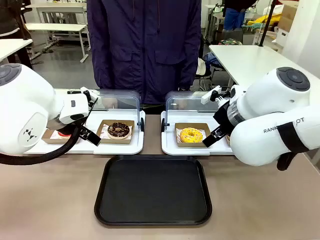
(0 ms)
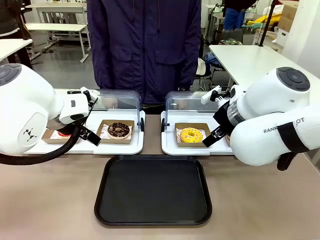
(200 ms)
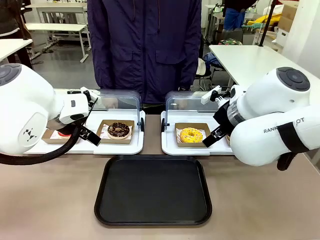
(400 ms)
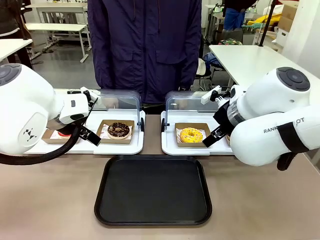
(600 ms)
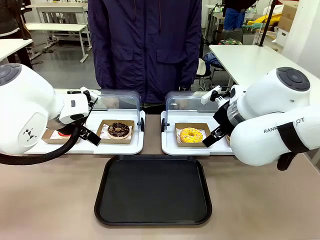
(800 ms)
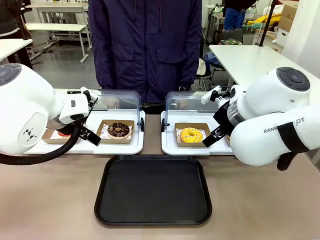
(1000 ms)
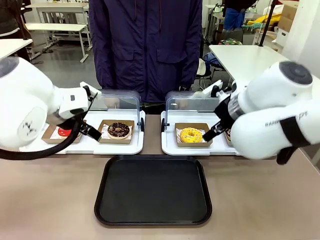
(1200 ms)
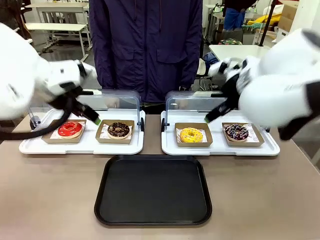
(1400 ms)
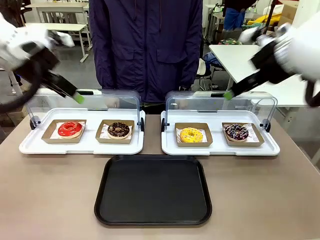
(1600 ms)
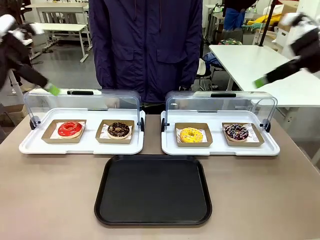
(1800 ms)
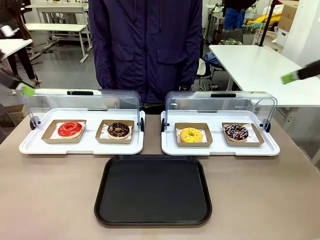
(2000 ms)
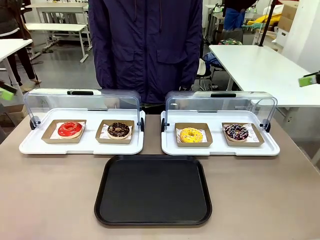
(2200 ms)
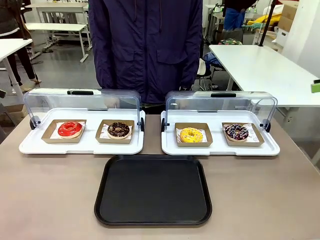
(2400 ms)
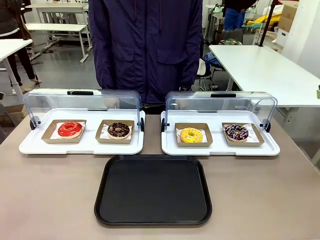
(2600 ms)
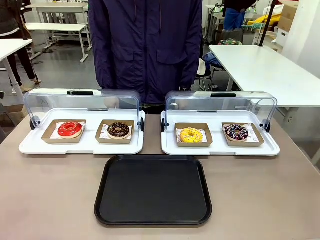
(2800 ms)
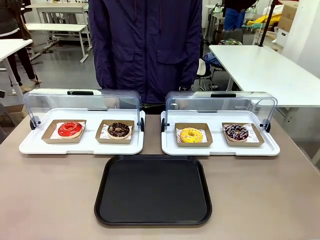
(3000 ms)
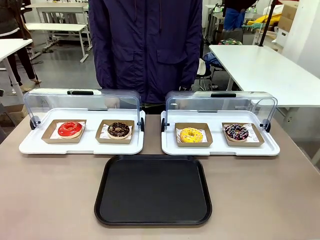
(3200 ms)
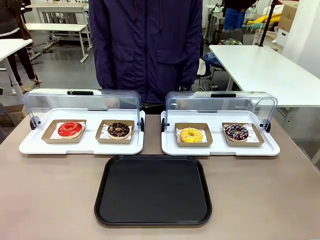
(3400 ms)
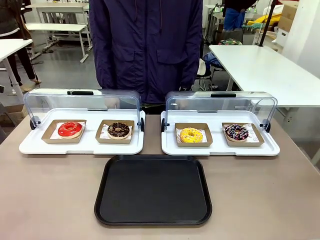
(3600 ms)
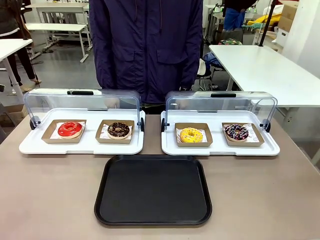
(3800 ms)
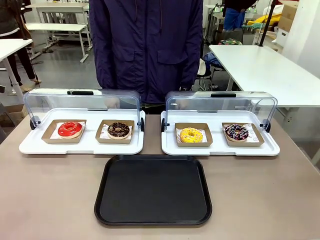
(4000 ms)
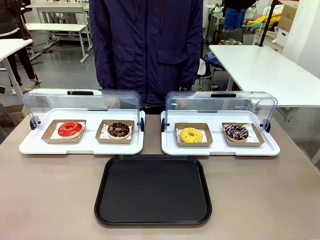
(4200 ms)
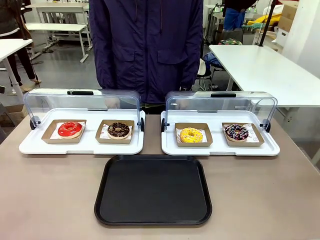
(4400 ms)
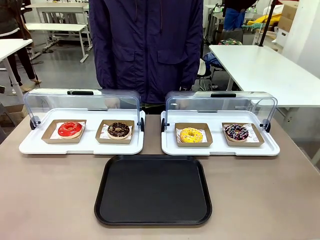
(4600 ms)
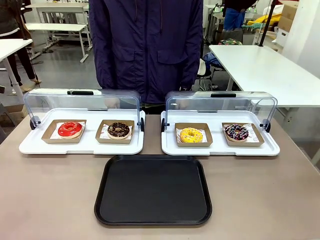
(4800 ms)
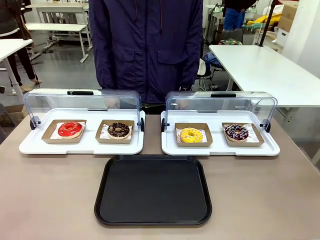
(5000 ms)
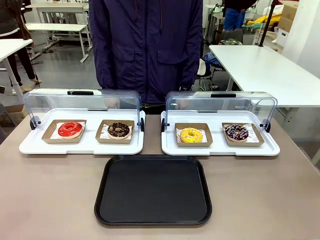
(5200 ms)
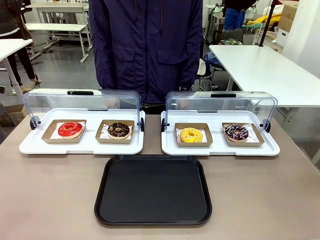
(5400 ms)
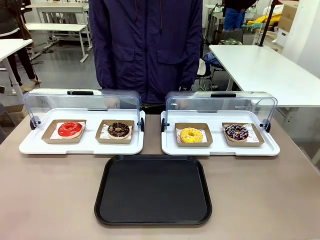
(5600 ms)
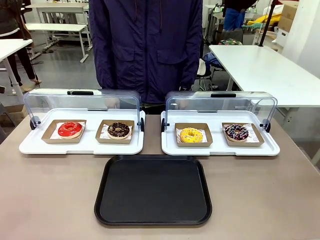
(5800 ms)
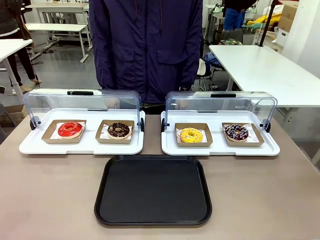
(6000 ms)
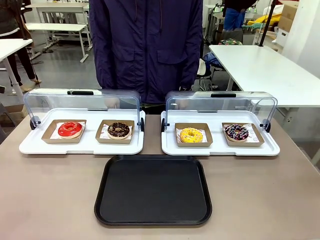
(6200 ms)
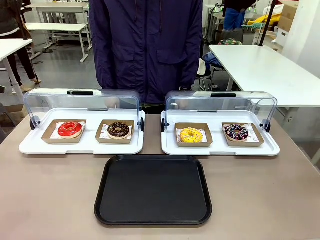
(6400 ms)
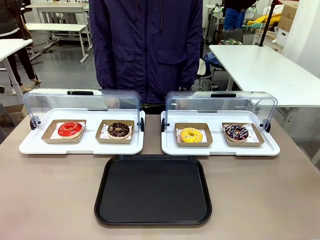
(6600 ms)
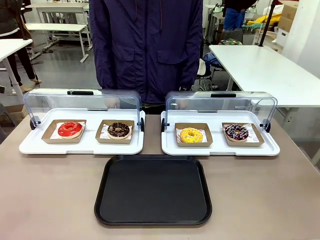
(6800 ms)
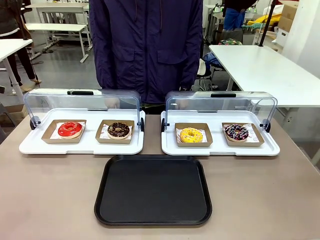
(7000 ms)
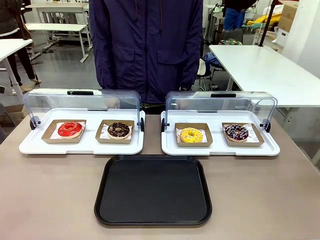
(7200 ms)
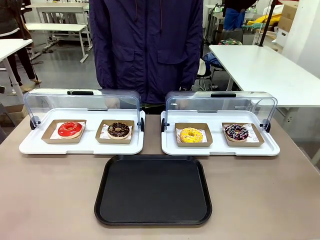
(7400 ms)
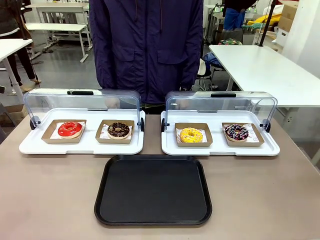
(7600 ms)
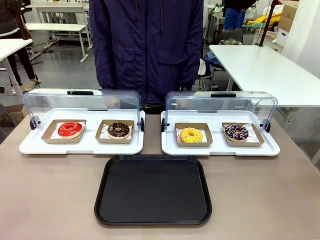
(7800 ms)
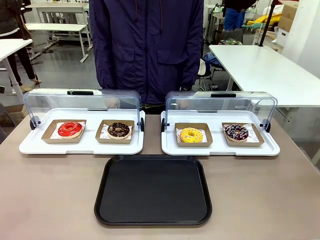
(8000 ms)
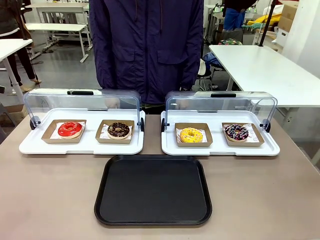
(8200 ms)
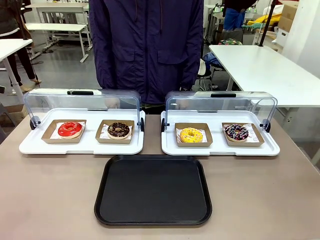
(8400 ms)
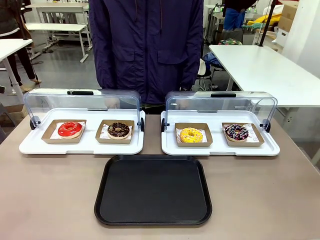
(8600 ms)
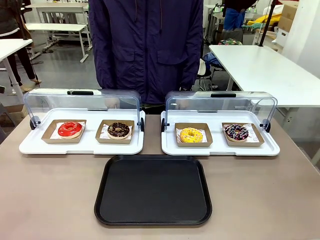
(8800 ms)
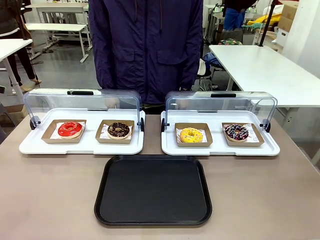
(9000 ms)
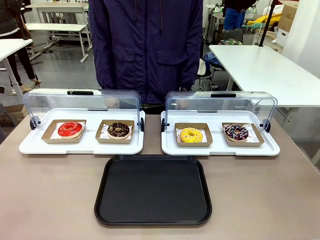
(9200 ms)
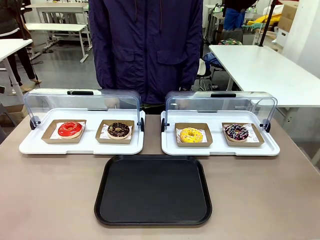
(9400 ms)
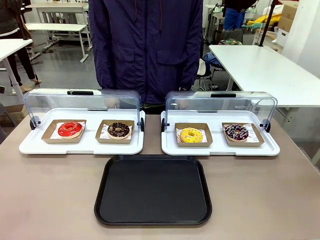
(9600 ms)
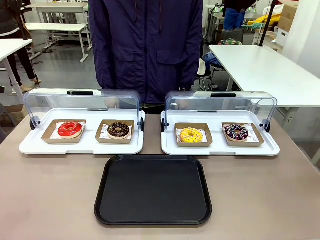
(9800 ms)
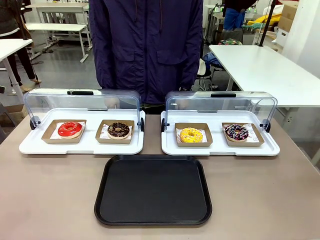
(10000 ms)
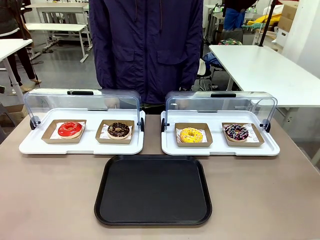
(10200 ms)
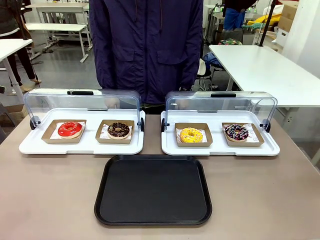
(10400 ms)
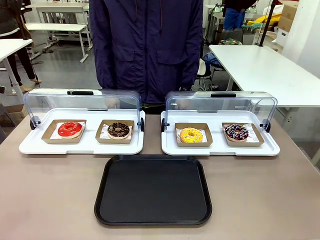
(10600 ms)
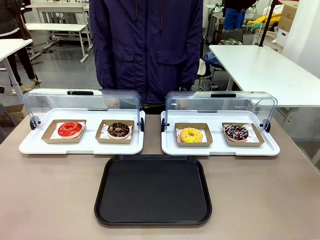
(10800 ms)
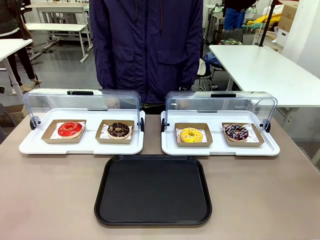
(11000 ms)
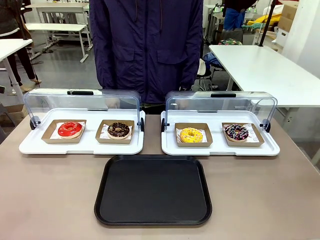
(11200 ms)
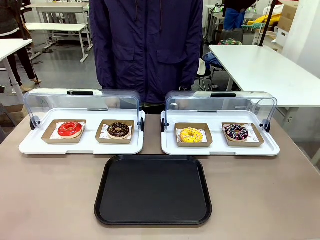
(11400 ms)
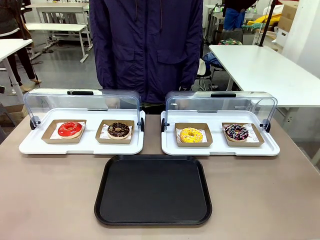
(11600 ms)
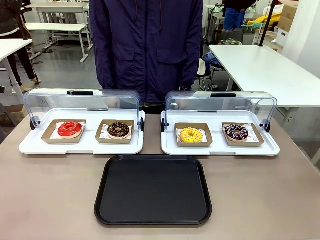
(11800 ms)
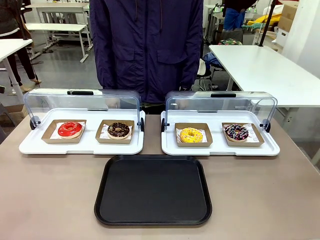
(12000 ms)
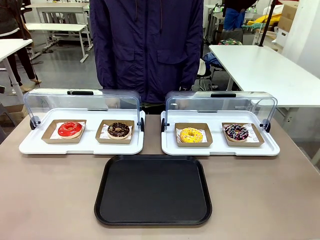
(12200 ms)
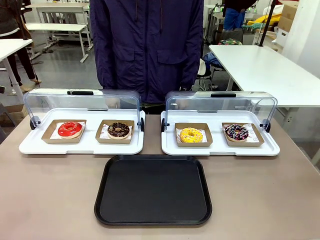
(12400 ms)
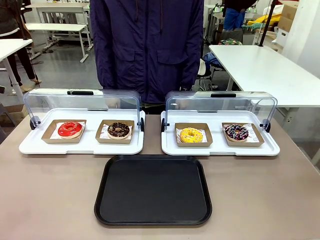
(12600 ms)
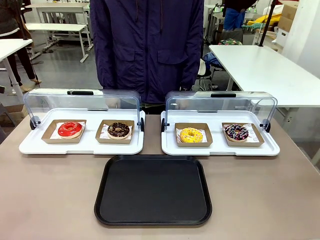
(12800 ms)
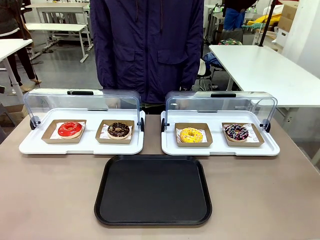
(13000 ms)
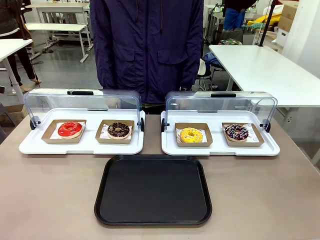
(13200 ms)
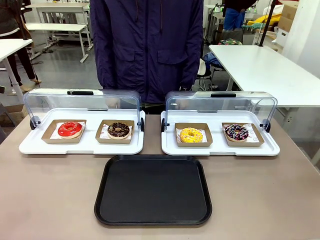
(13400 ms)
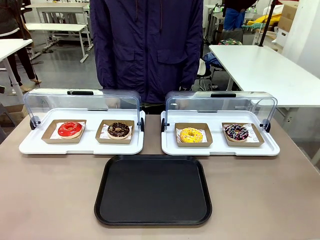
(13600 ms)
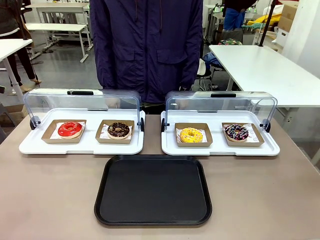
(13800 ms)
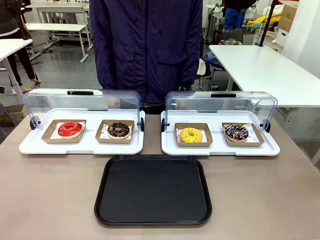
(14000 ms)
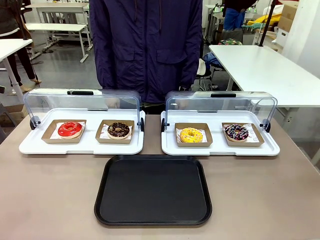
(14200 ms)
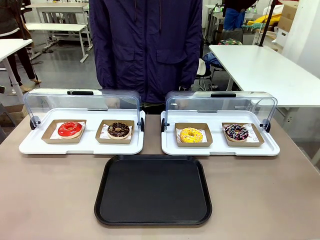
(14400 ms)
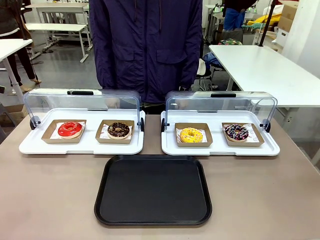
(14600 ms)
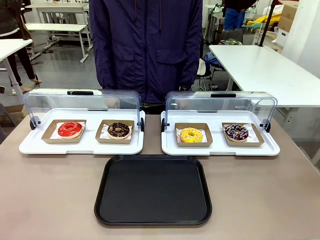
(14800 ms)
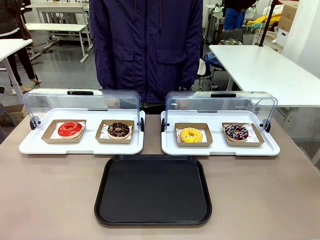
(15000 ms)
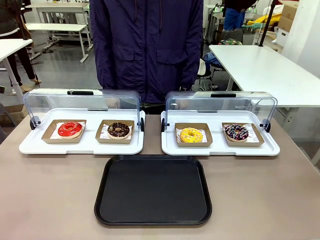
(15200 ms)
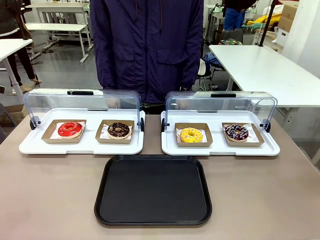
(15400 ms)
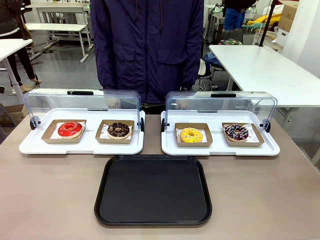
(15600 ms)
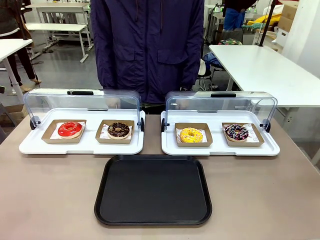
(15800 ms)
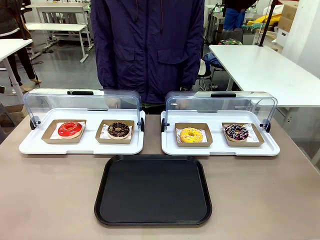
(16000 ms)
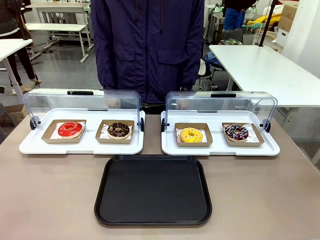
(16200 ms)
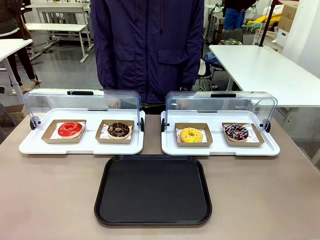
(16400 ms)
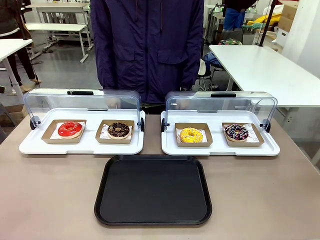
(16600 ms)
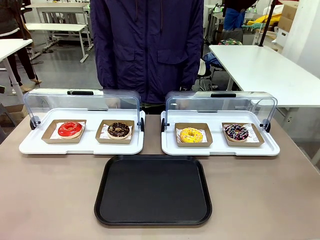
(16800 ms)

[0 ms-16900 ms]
Task: Move the third donut from the left to the tray.
Robot: Pick up the Paper togo box containing the Donut indicated by the person and place it on the Handle tray.
